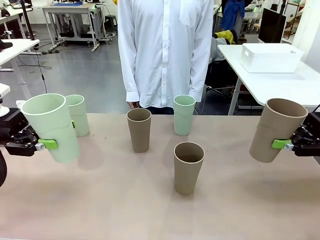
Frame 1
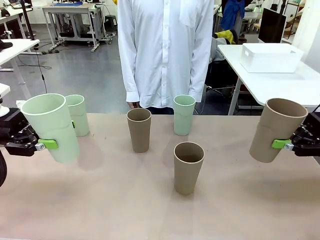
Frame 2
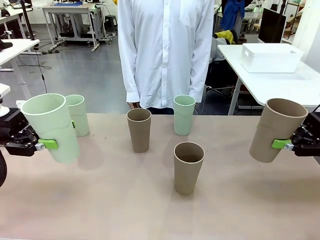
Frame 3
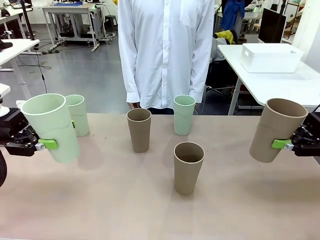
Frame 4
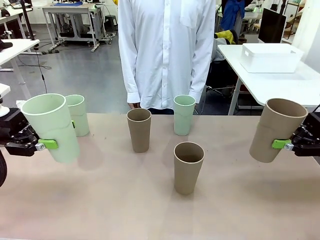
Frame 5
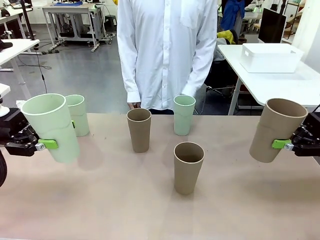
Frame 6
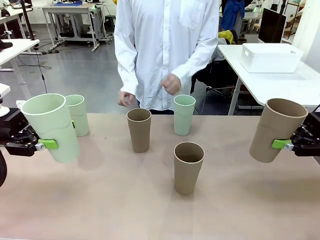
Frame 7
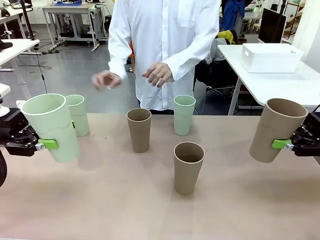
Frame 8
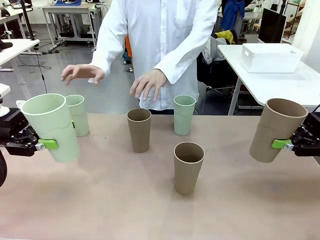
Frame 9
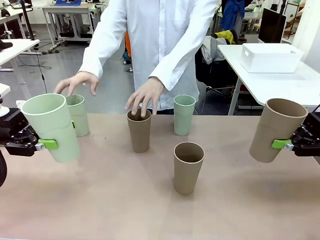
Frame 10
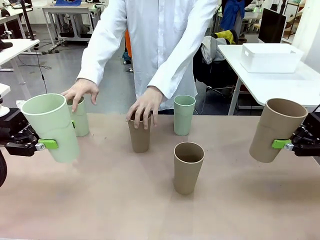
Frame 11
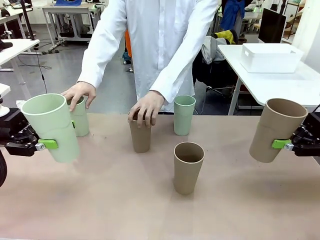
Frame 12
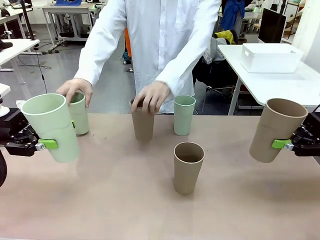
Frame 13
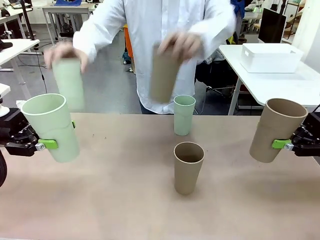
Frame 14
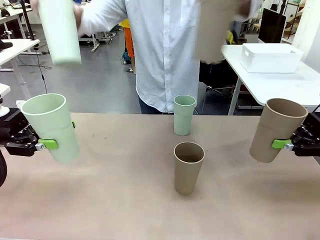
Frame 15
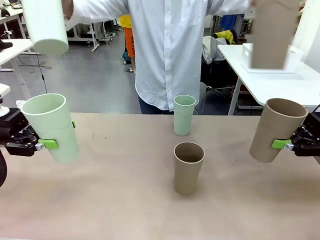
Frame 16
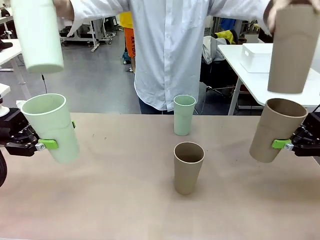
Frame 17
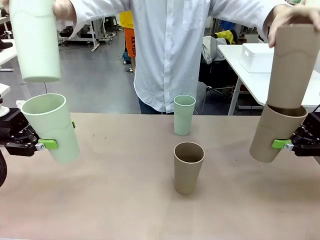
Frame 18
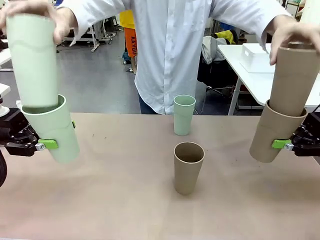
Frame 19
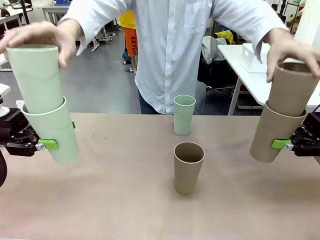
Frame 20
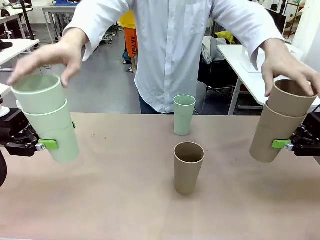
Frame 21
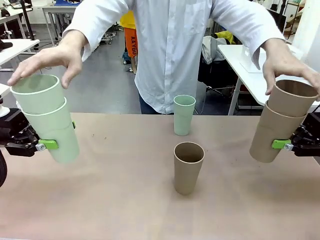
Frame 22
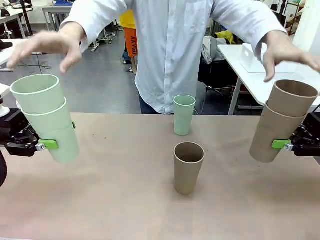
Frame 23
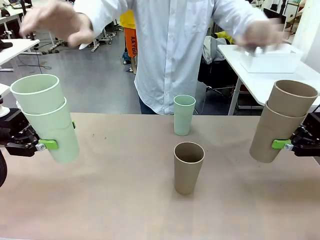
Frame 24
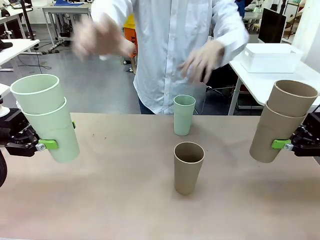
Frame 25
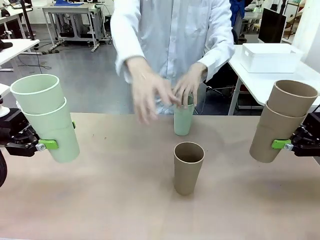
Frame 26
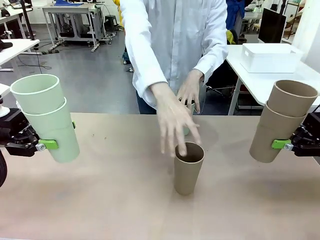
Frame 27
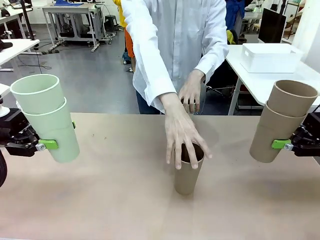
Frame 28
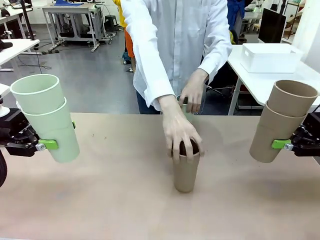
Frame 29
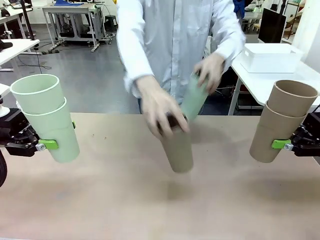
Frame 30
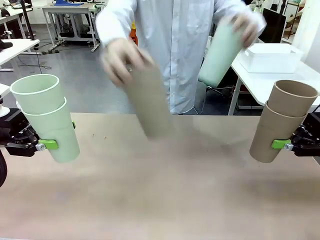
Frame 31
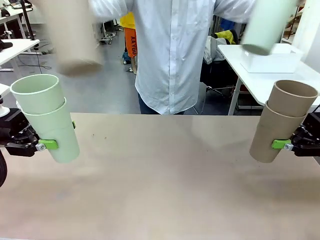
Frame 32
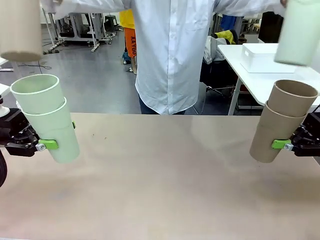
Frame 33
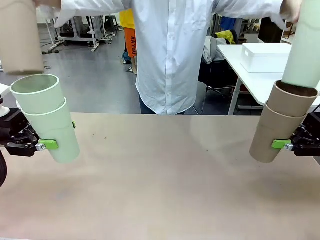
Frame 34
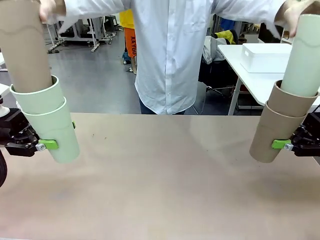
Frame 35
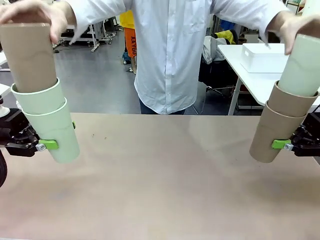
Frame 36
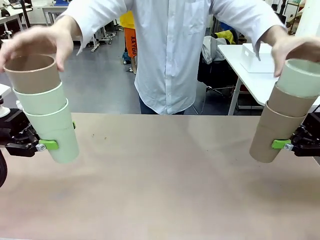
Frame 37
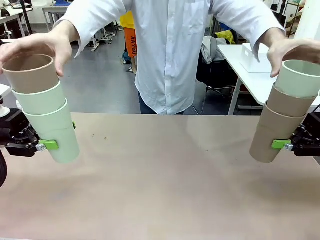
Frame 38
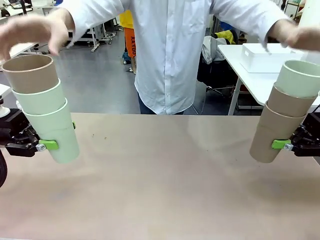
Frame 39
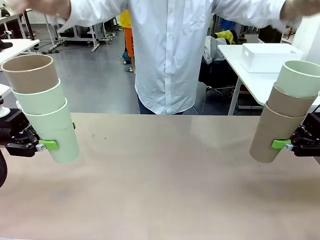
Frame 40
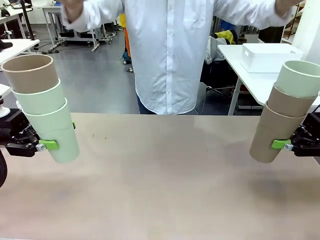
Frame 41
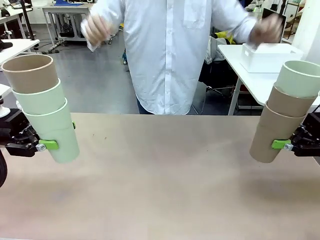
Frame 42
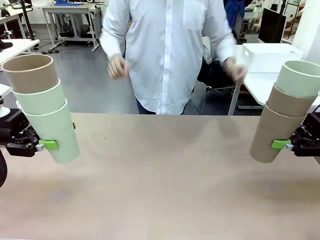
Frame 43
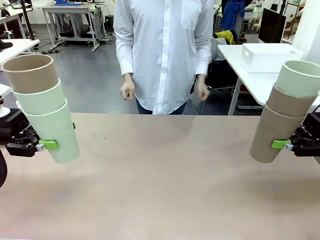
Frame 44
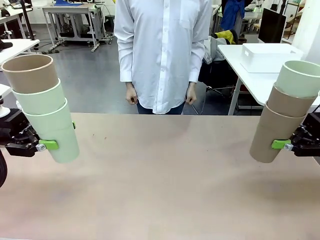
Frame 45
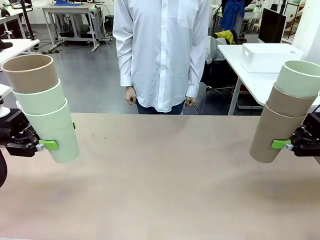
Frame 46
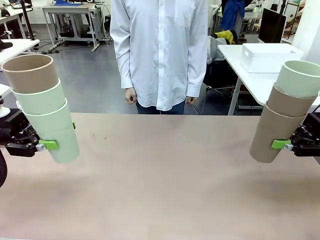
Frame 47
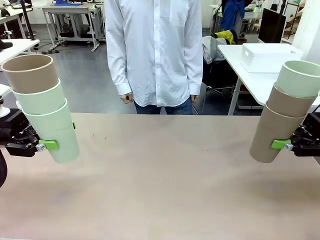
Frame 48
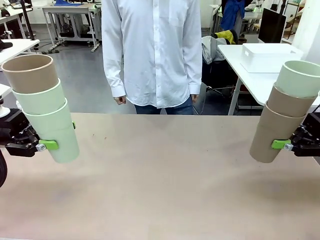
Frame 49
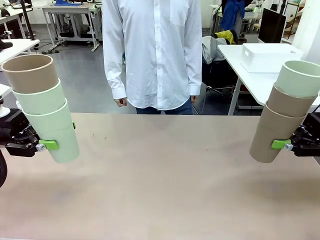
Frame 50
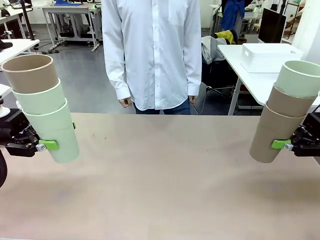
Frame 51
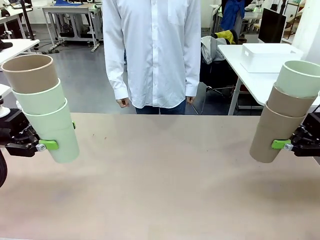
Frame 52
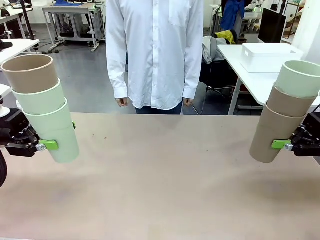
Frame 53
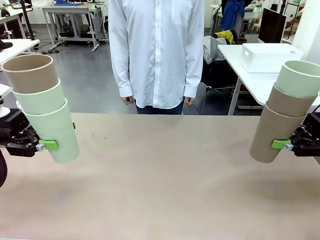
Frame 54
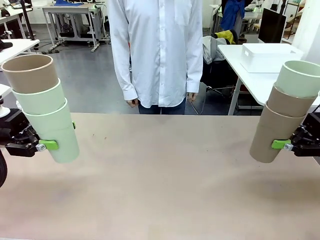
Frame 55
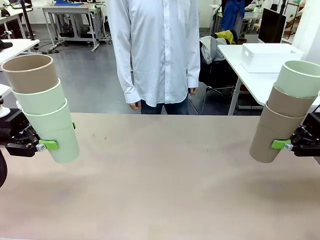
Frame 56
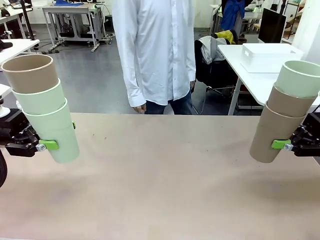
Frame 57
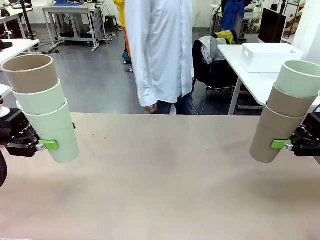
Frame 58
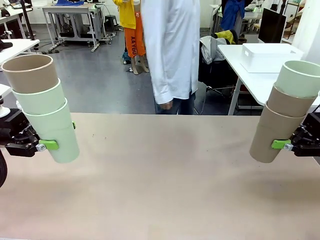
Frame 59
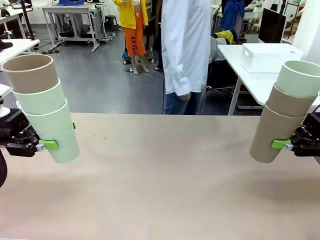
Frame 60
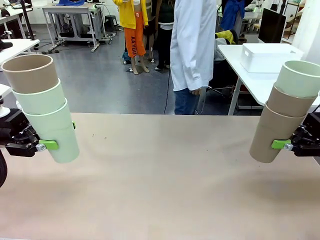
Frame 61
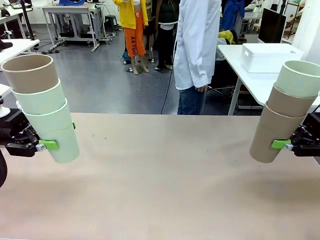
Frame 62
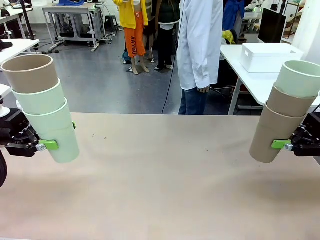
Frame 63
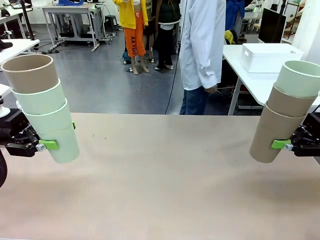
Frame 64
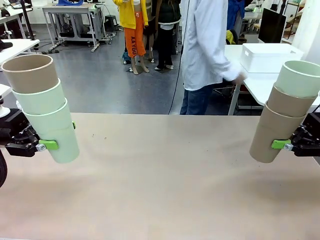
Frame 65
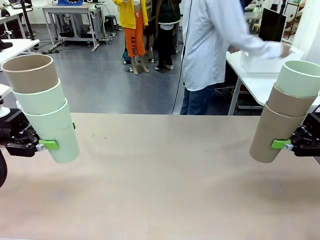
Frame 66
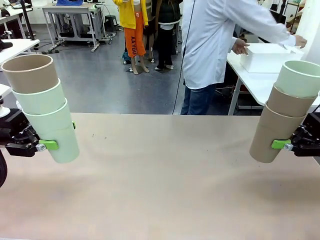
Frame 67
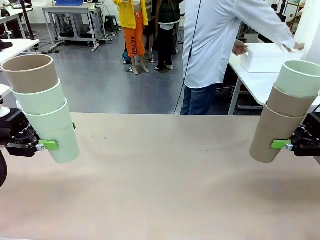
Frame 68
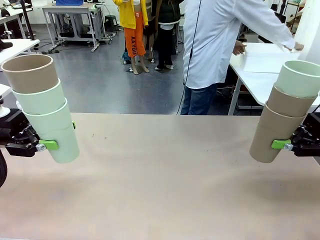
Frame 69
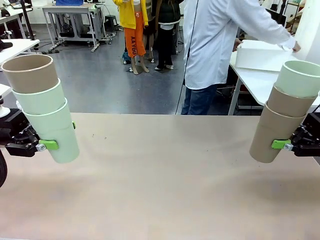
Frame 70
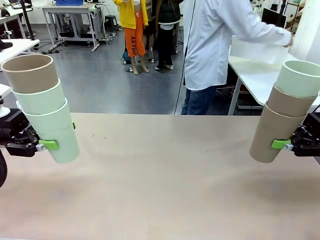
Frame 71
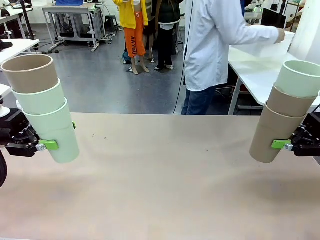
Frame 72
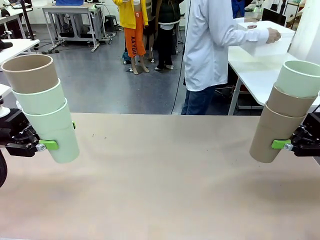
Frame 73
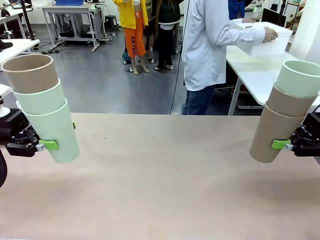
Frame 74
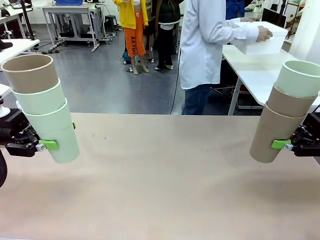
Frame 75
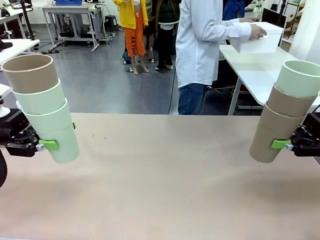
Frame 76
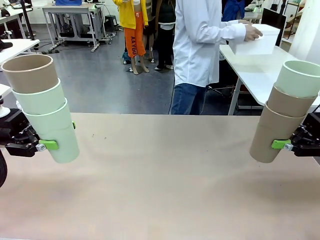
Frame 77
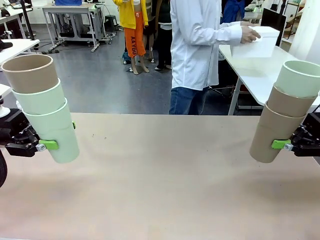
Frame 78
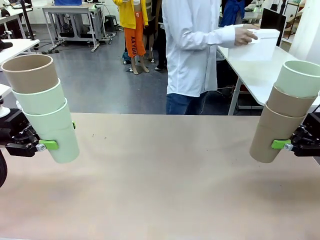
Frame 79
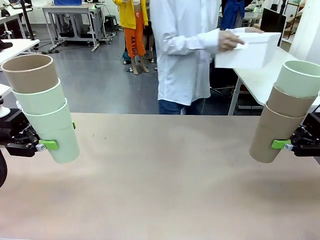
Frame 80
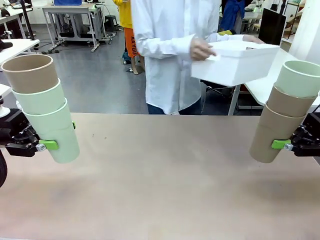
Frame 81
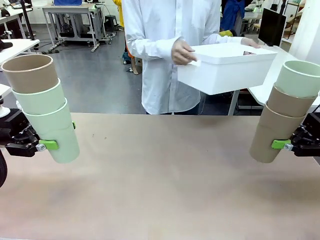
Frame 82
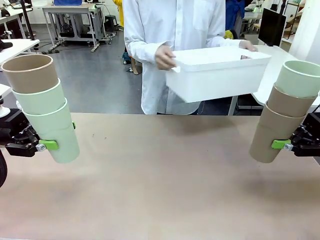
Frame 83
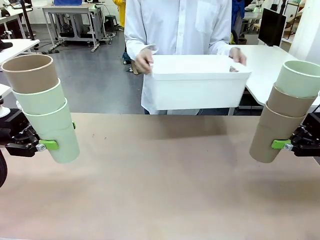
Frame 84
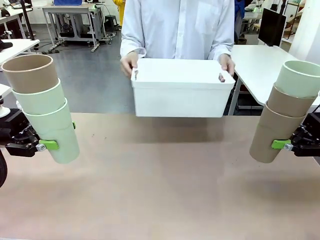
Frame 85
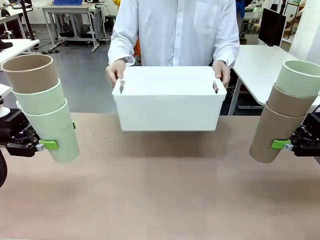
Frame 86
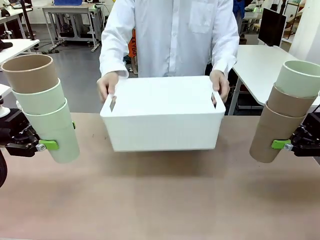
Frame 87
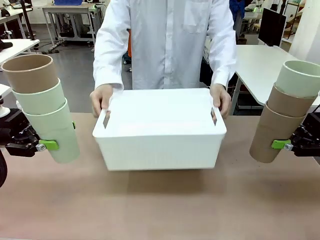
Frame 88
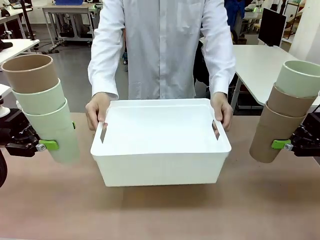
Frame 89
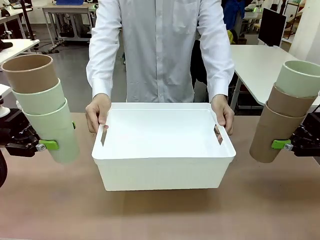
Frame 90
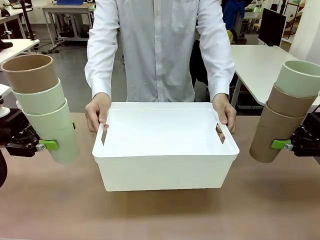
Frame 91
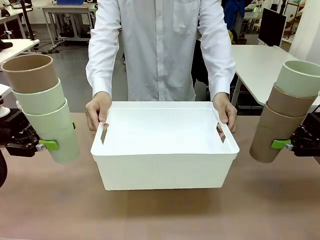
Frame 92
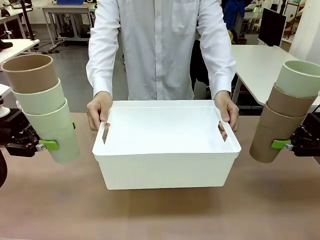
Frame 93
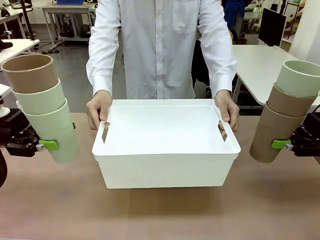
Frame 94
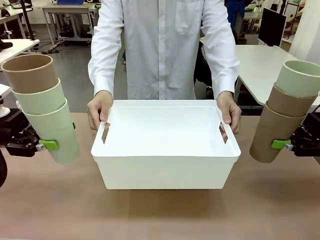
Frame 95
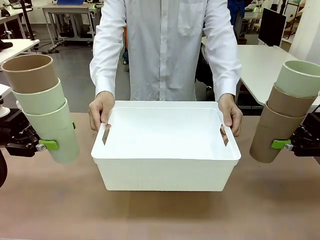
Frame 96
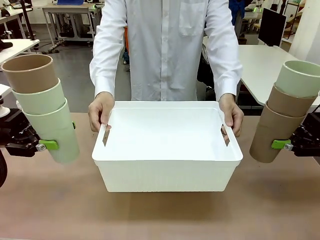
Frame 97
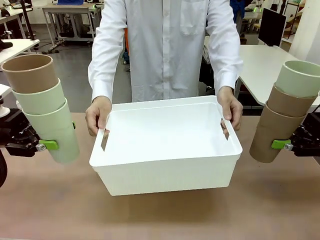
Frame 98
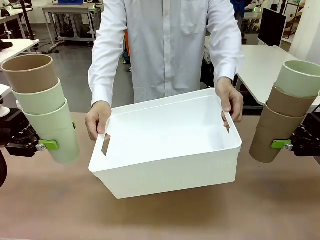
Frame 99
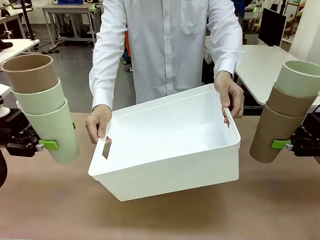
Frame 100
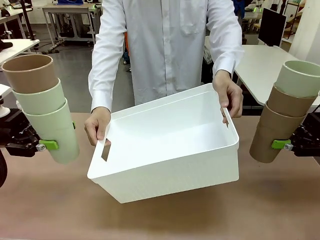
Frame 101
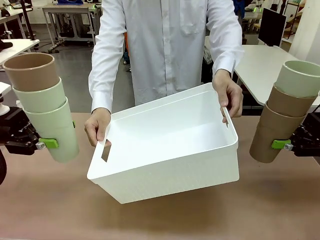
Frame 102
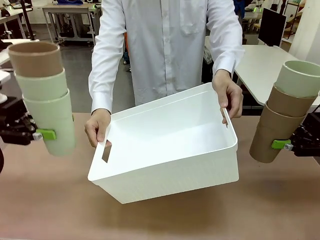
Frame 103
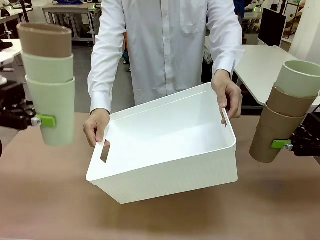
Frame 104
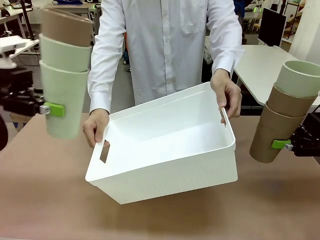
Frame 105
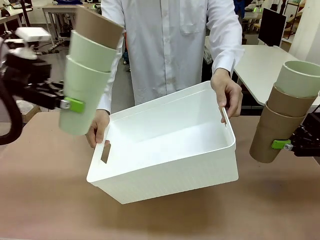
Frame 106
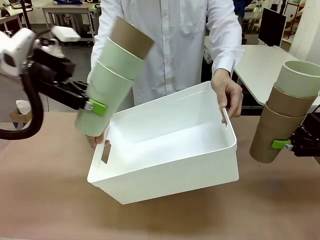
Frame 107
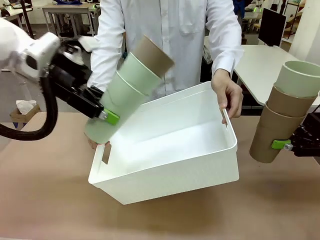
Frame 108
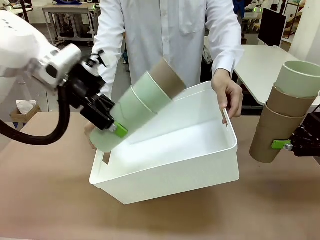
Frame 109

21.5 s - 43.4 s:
Task: Stack the cups and store them in the basket.
Robot: Place the stack of Reusable plastic cups into the Pantry Basket.
Person: Pick up the basket from the Human Table, bring it to the front of the robot, and present it.
